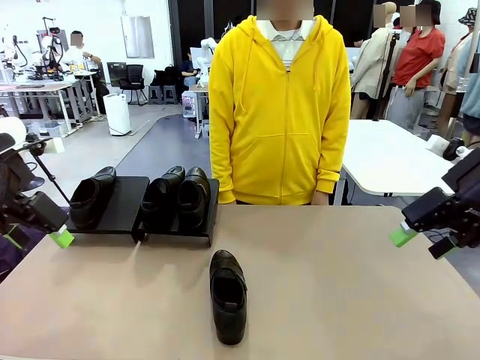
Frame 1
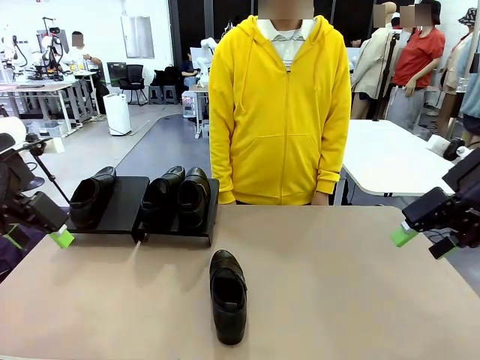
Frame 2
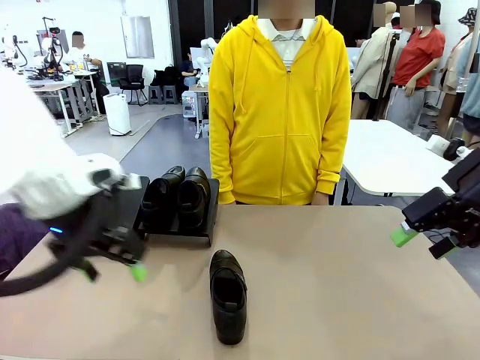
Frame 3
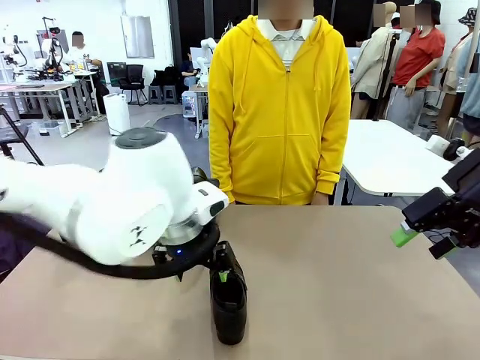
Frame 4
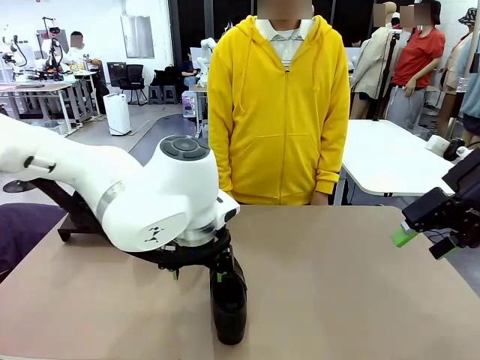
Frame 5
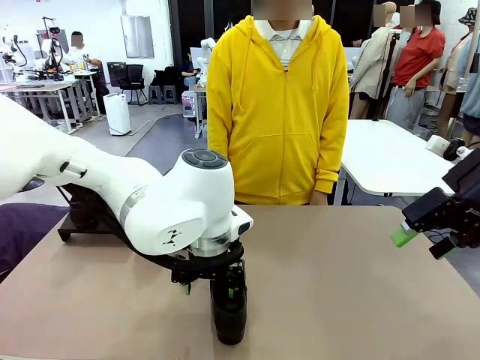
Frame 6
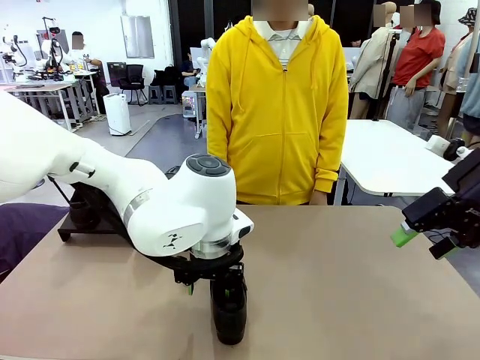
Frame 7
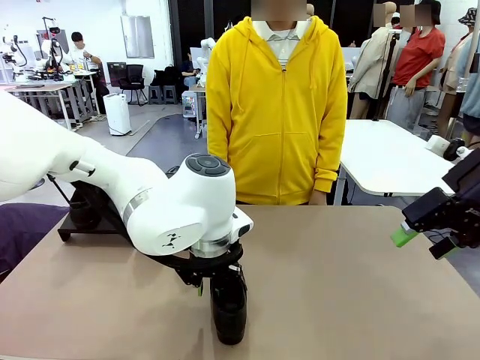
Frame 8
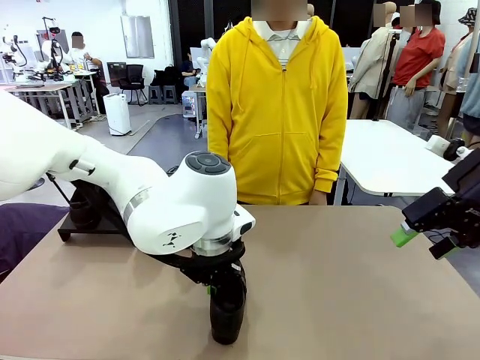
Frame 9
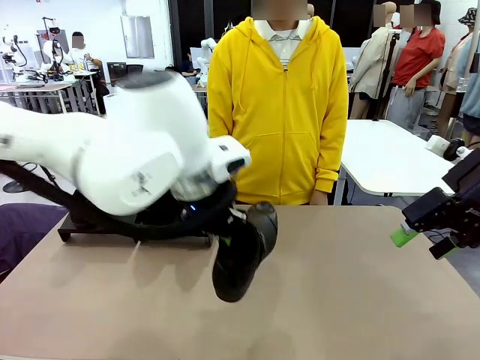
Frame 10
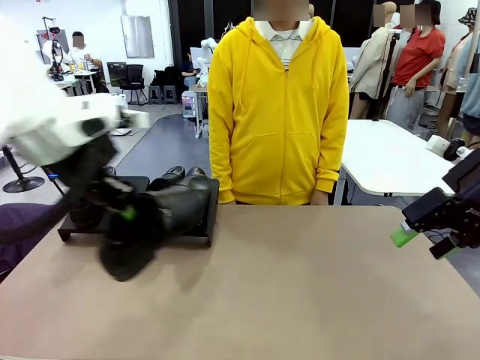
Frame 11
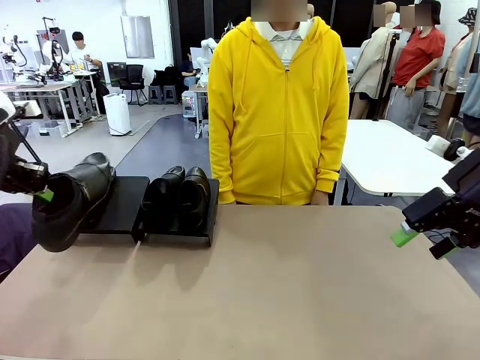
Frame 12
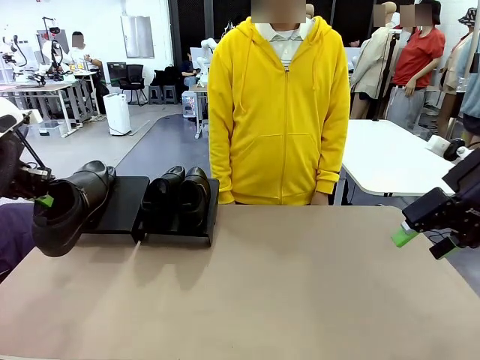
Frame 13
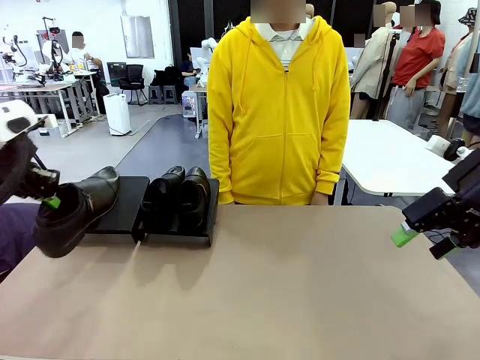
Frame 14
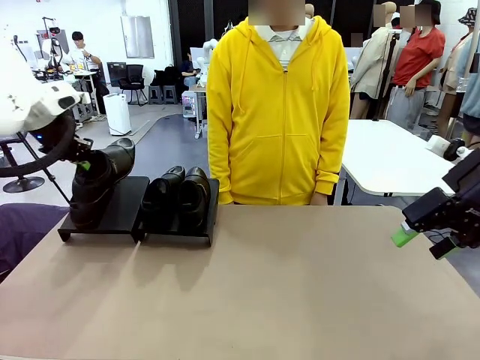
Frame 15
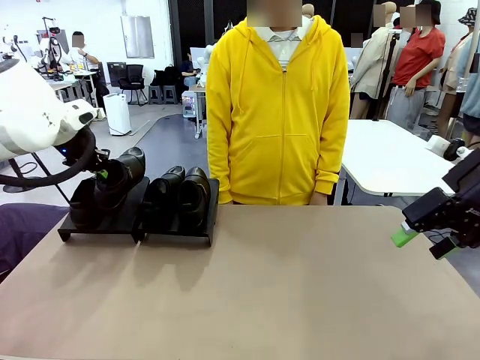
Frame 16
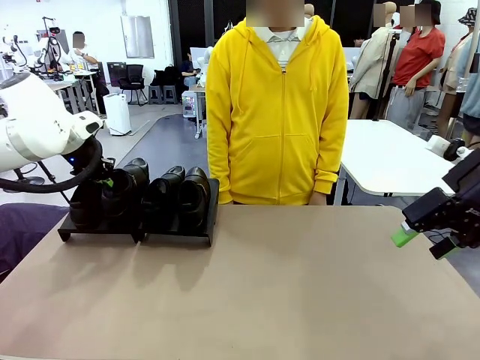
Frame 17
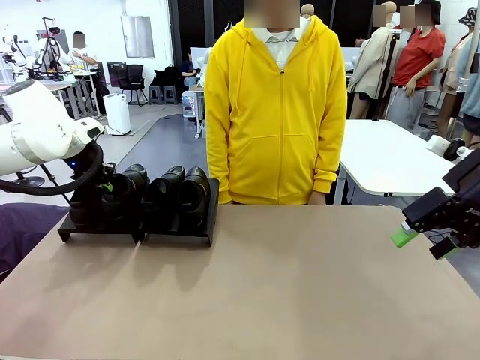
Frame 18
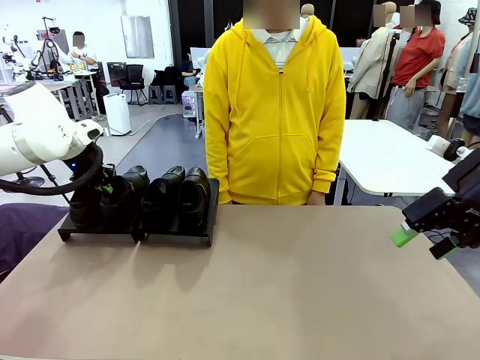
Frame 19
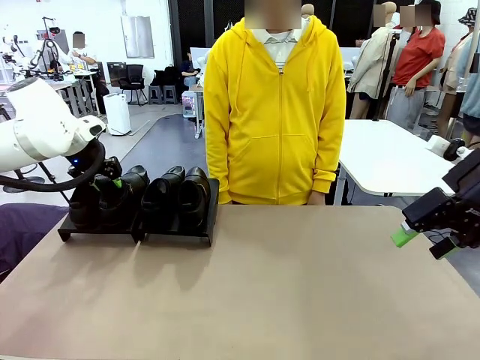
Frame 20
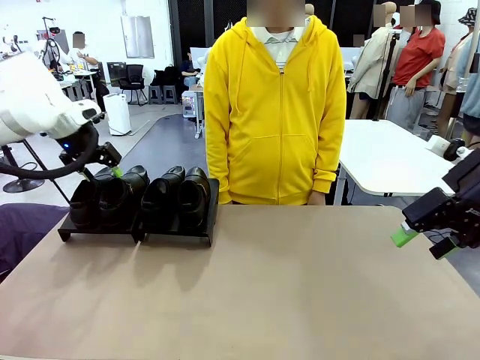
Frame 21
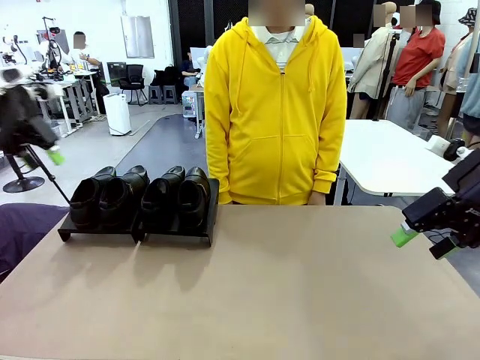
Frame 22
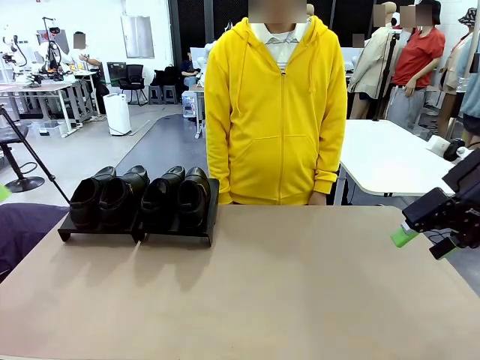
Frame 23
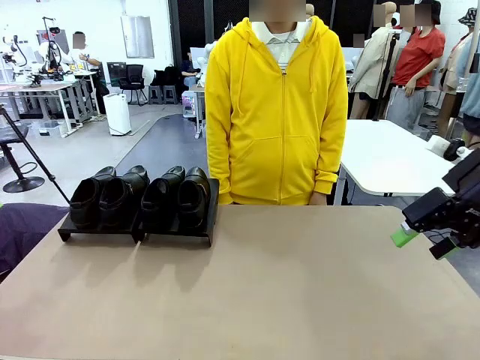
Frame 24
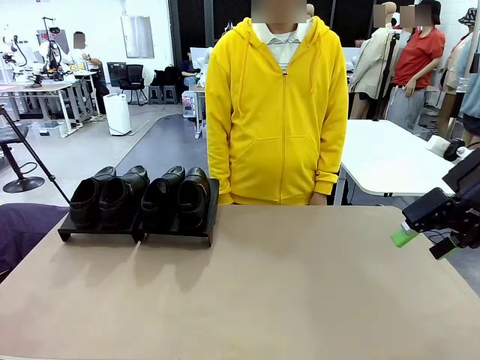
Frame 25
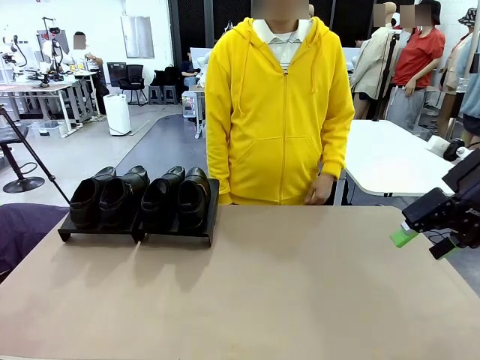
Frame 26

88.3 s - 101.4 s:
Task: Organize the shoes by placing them on the stand.
Robot: Place the Shoe from the middle of the table onto the Shoes Stand.

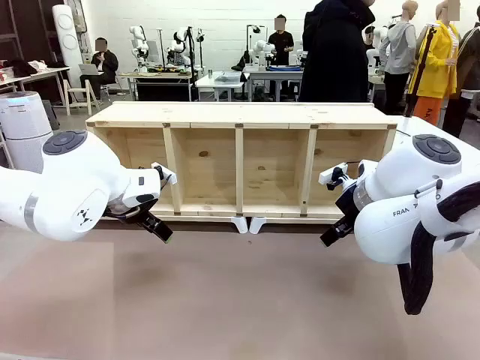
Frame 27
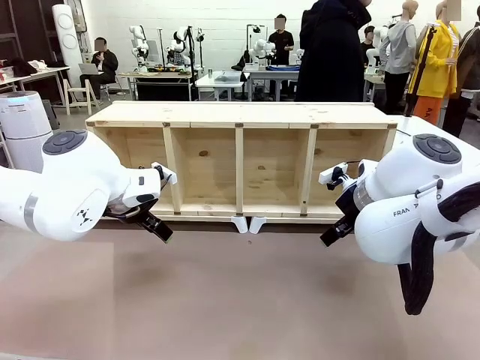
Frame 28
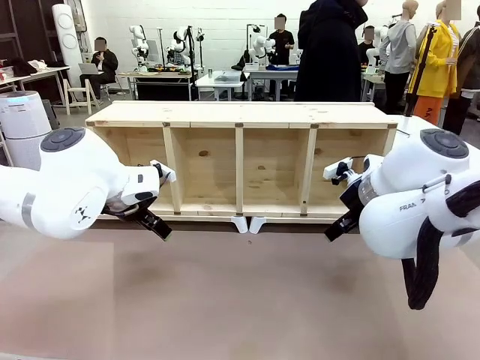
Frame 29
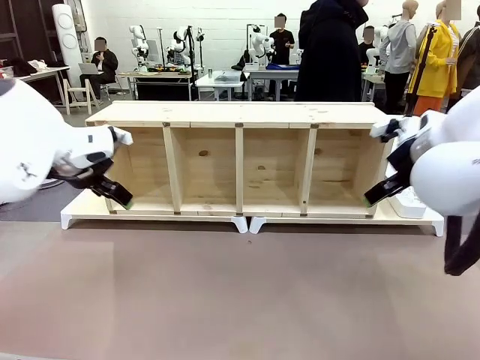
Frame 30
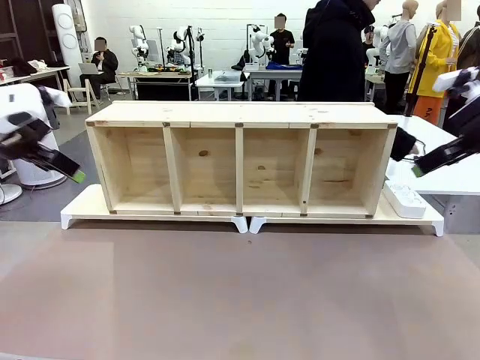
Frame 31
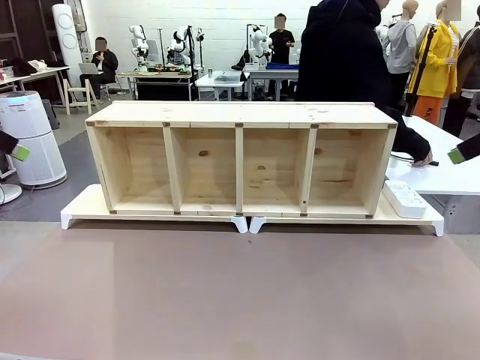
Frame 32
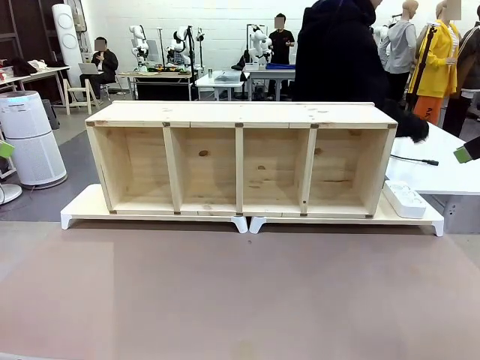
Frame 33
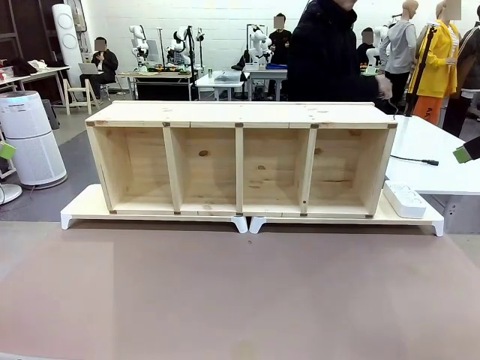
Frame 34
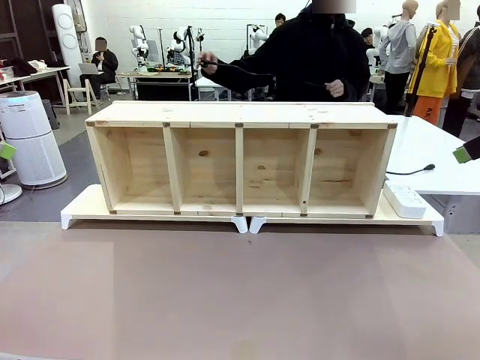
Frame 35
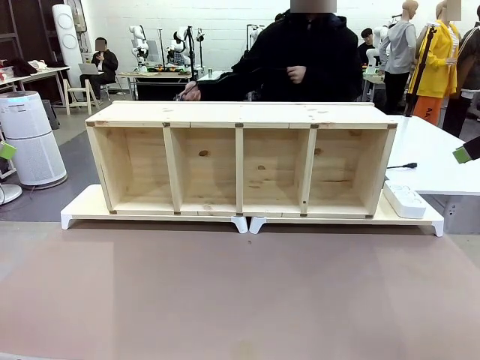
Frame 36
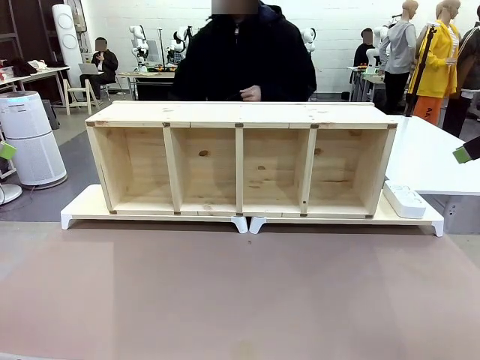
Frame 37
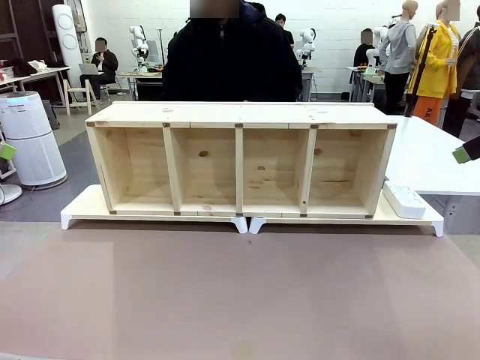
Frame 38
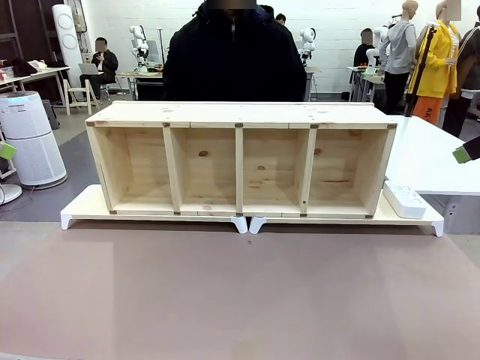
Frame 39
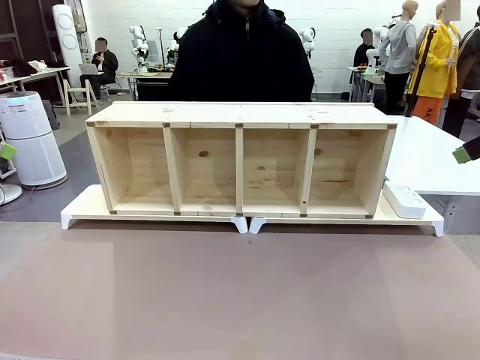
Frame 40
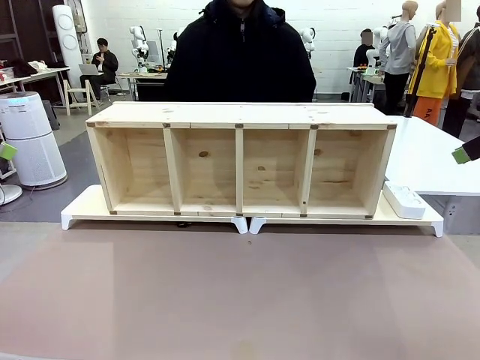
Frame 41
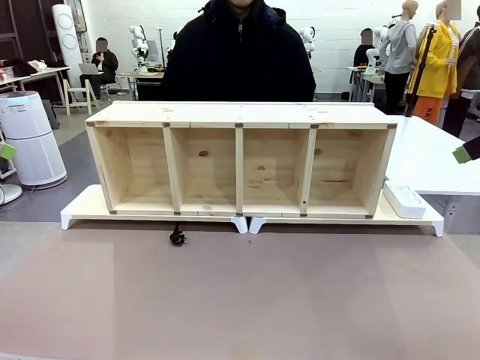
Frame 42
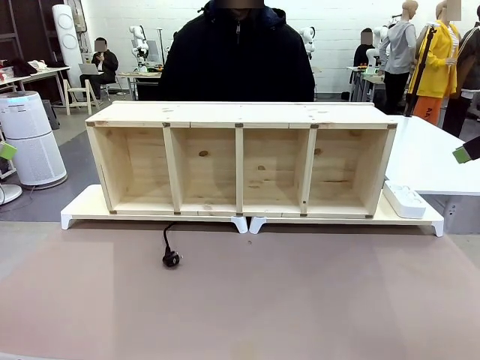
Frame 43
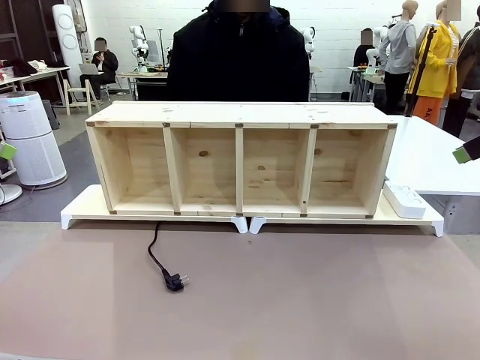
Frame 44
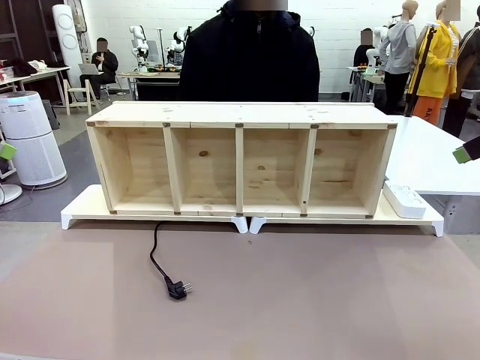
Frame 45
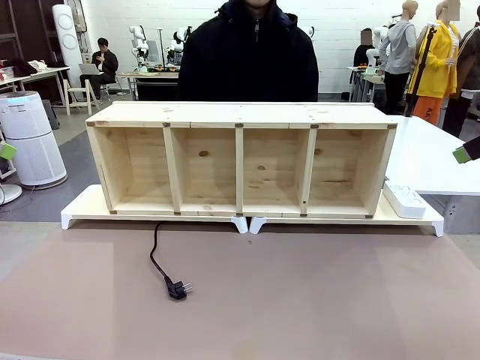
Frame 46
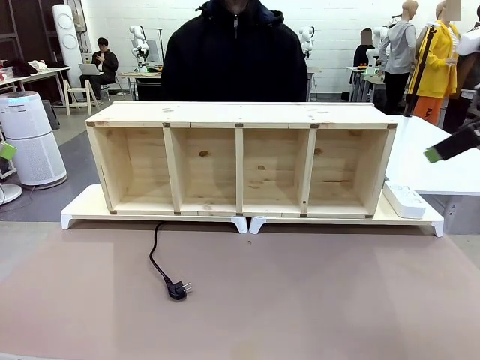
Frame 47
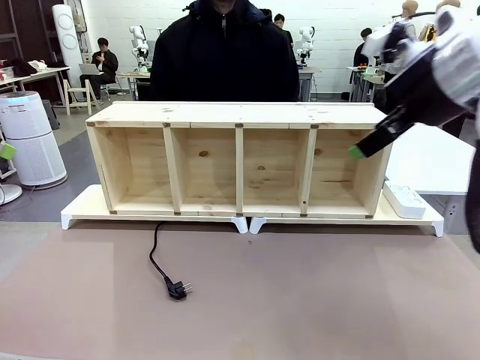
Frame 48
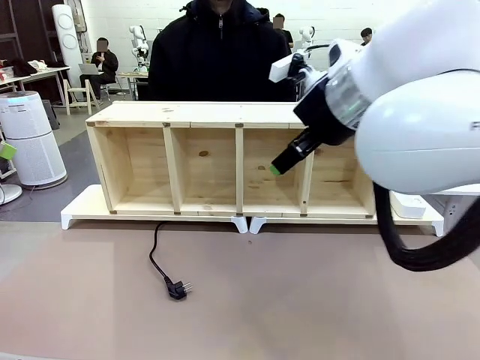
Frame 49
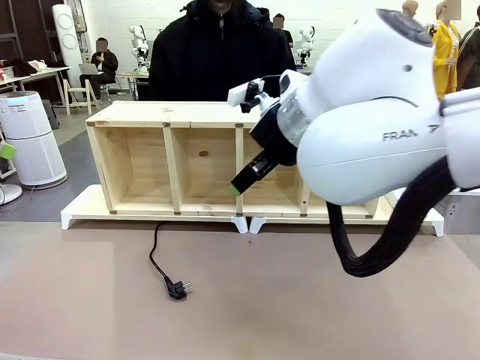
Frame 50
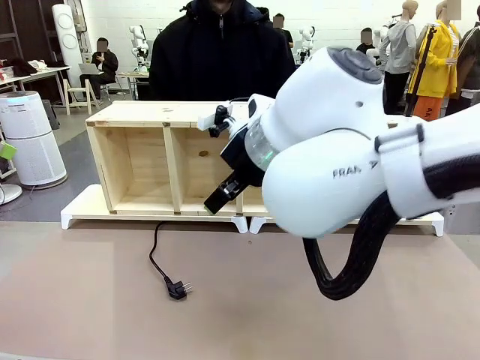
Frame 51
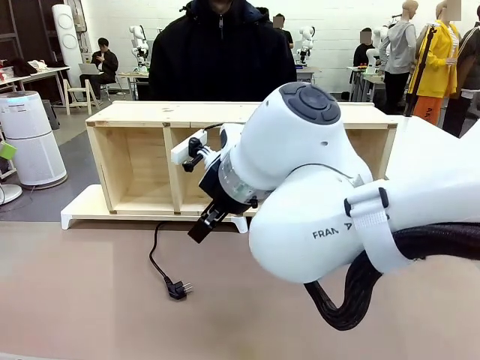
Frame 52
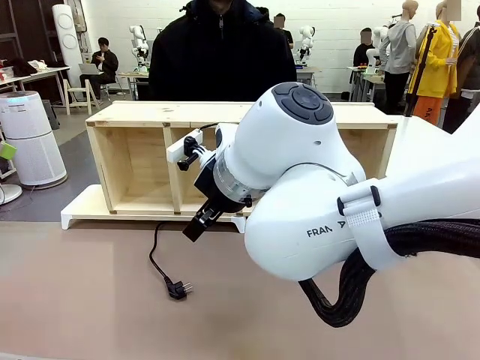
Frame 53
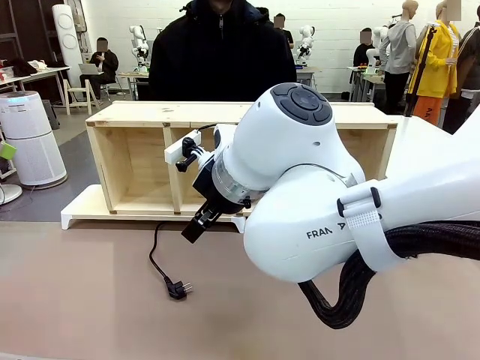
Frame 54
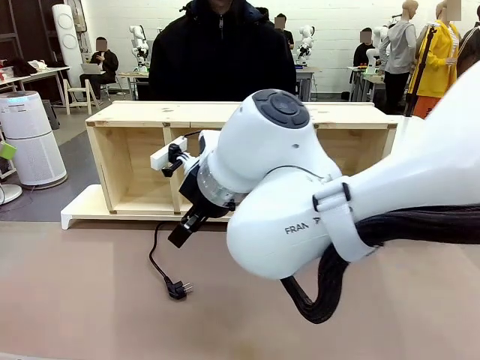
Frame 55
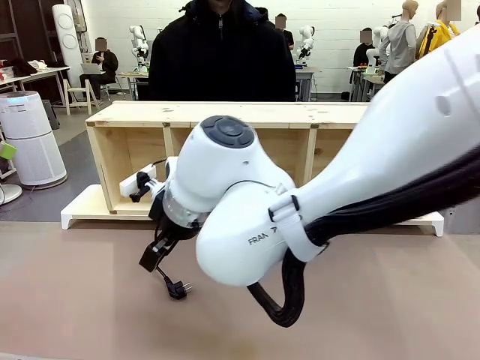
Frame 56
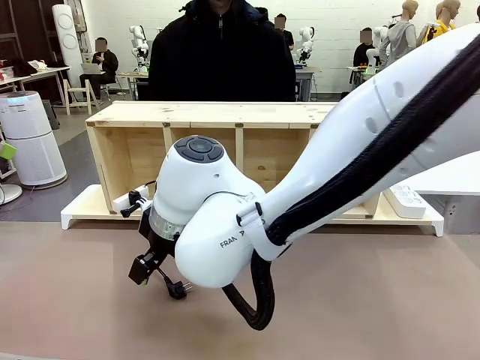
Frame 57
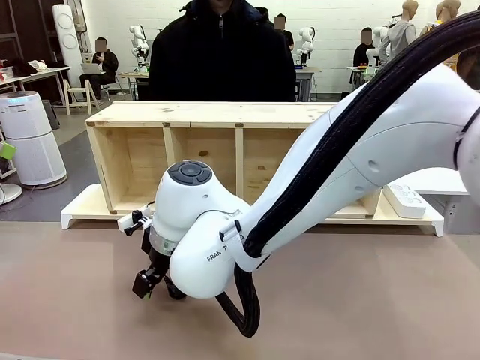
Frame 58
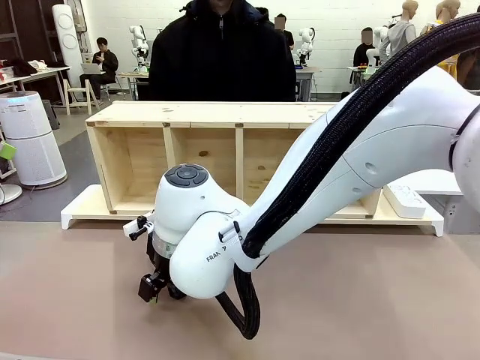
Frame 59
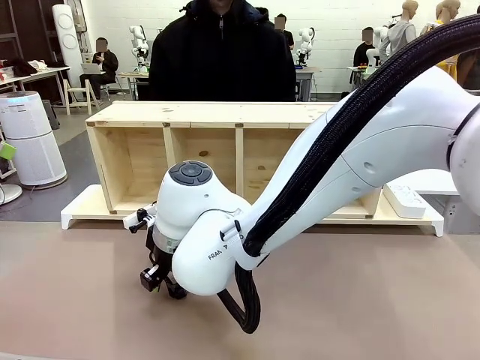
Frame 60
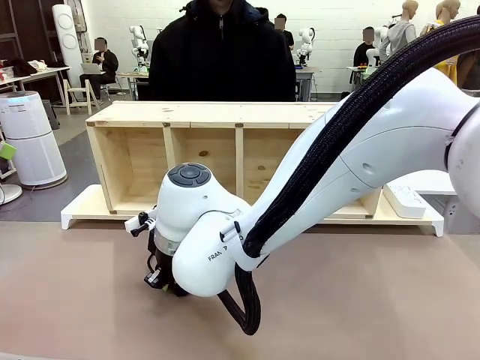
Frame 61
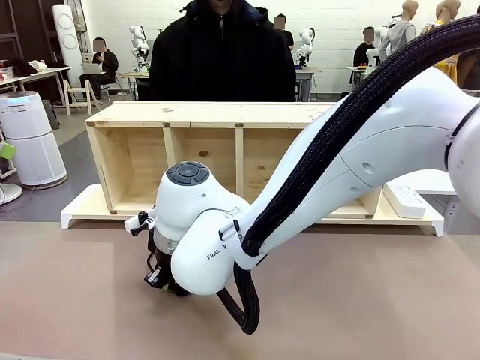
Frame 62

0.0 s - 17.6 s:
Task: Perform cable management.
Robot: When the cord part of the Power Cable appears at the lower middle area of the table and stops, grasp the cord part of the Power Cable.
Person: Pass the Power Cable under the Serving Table.
